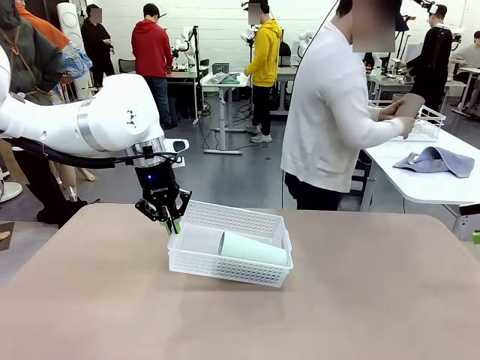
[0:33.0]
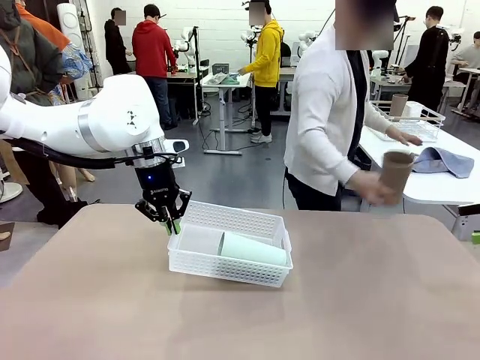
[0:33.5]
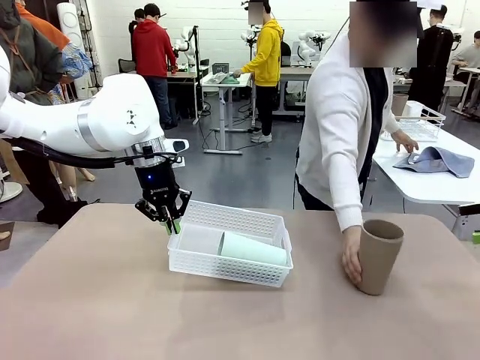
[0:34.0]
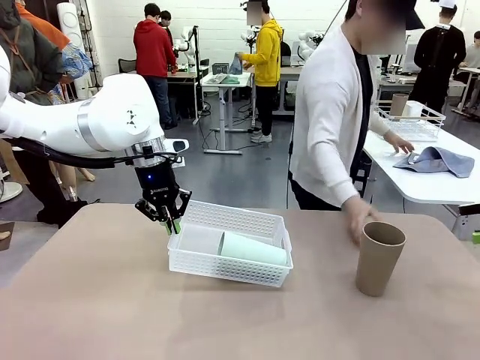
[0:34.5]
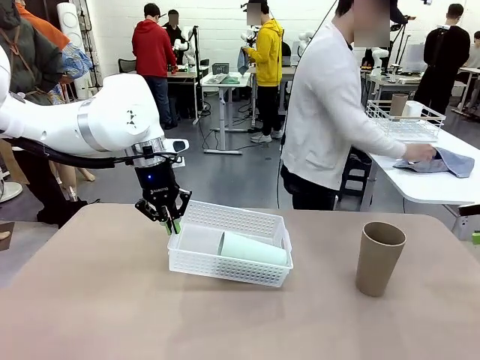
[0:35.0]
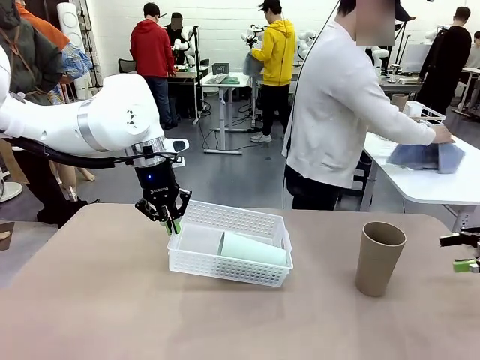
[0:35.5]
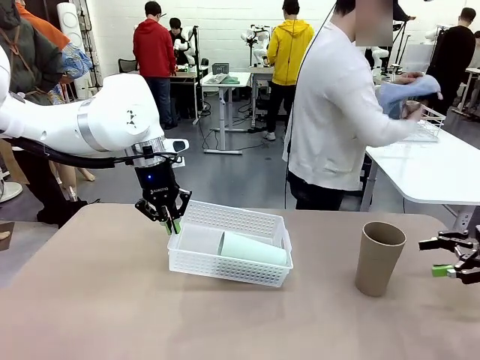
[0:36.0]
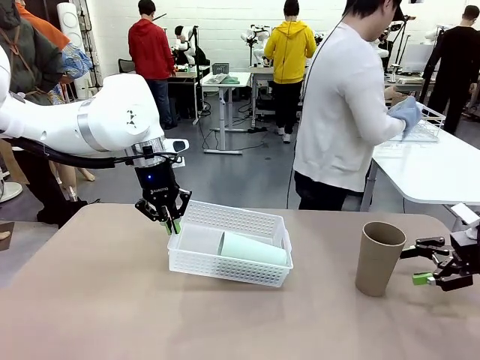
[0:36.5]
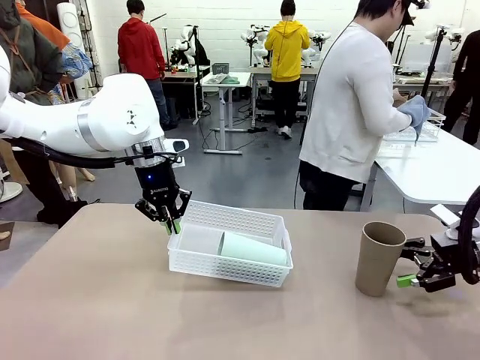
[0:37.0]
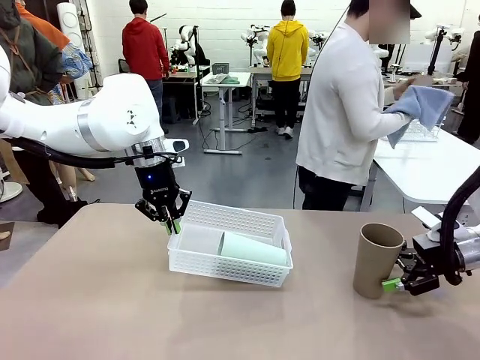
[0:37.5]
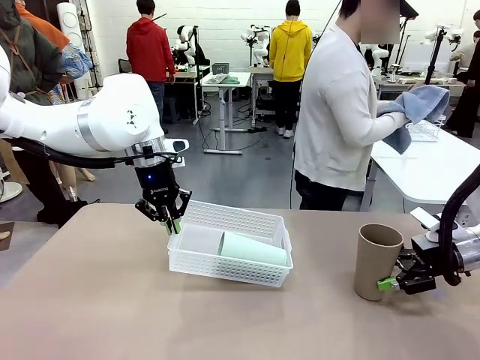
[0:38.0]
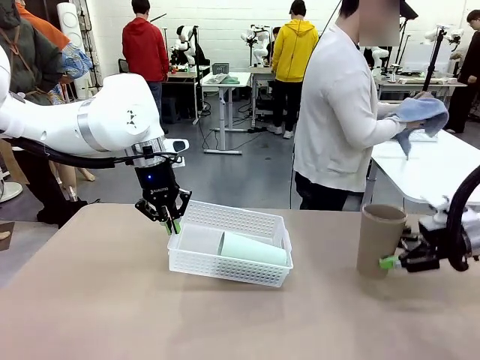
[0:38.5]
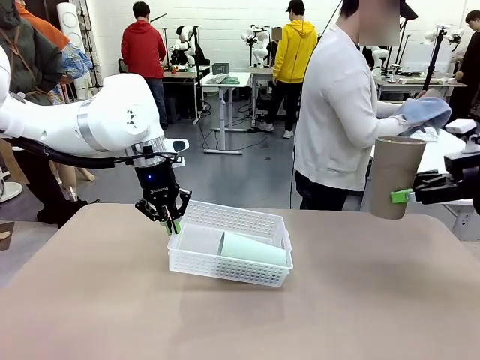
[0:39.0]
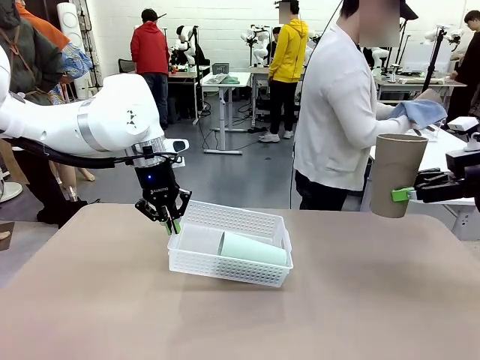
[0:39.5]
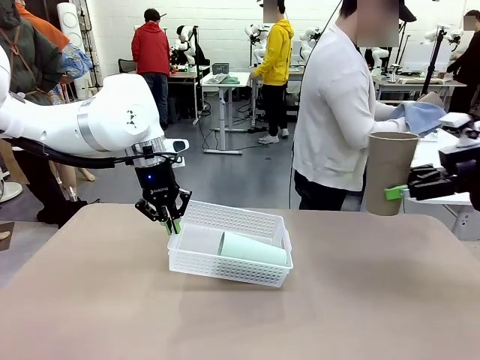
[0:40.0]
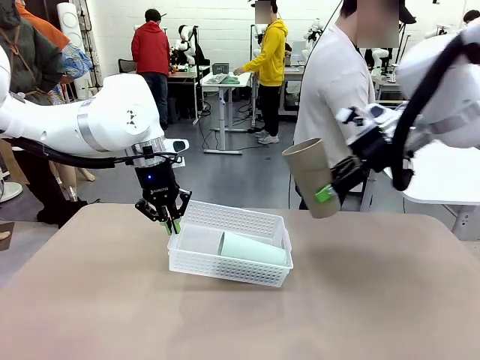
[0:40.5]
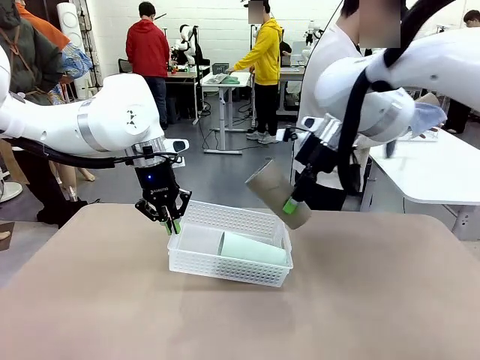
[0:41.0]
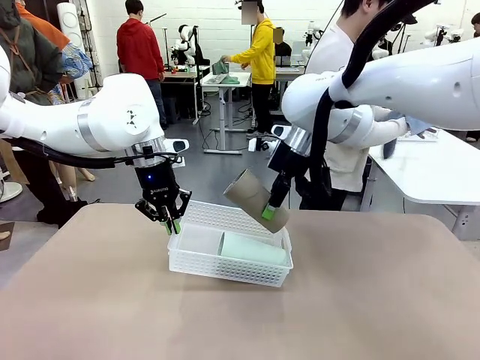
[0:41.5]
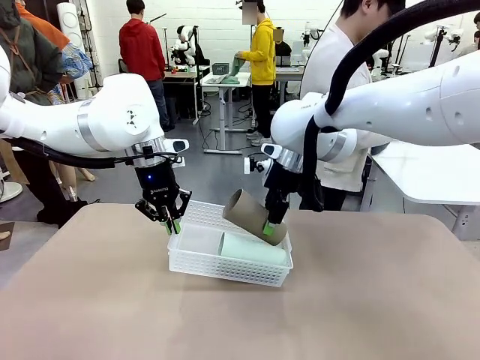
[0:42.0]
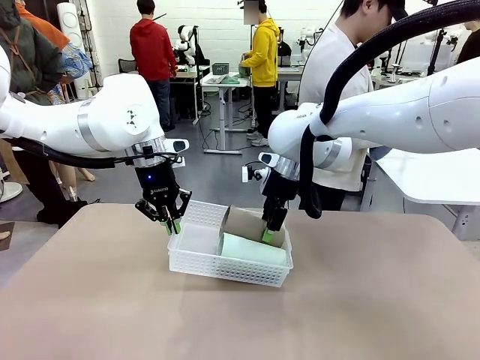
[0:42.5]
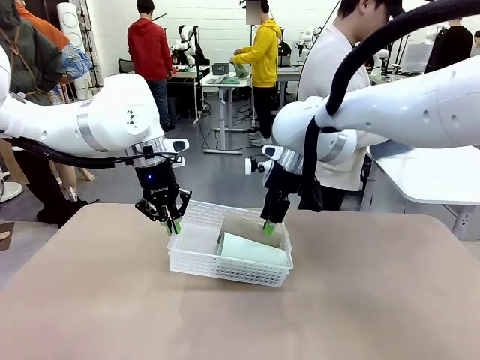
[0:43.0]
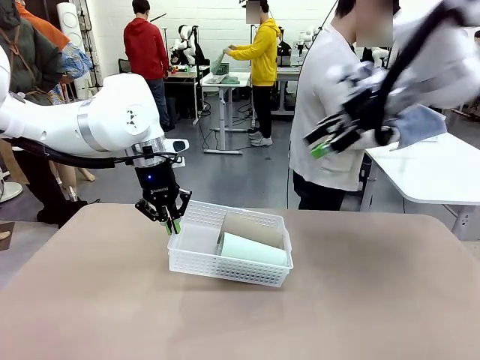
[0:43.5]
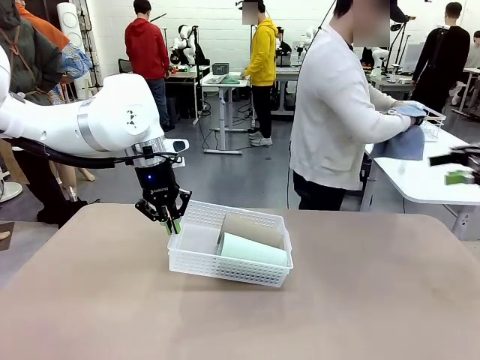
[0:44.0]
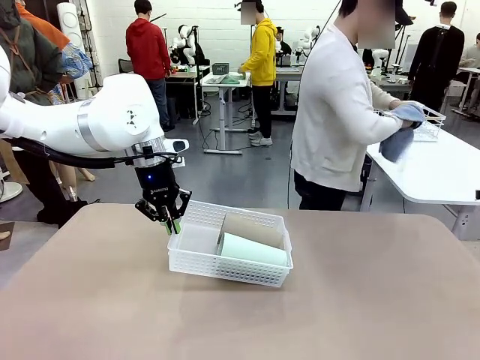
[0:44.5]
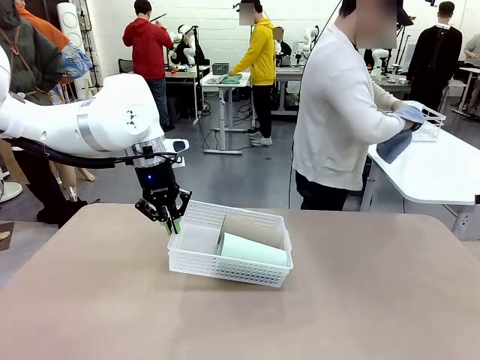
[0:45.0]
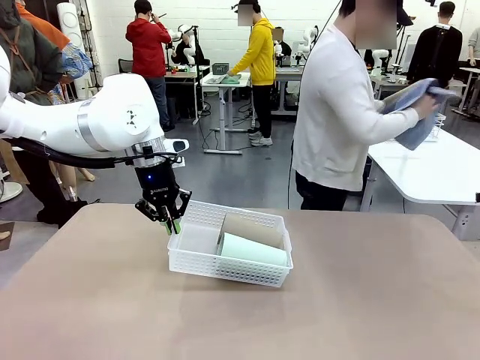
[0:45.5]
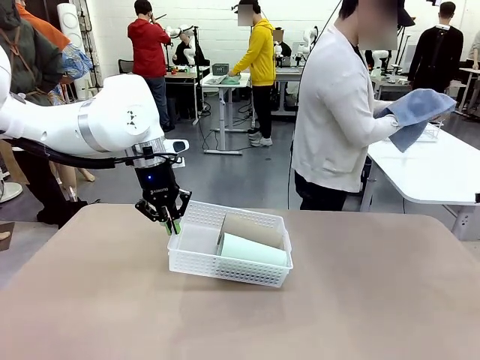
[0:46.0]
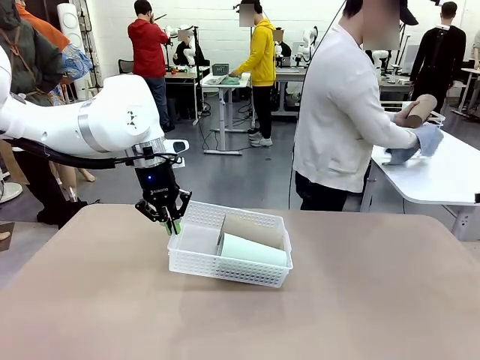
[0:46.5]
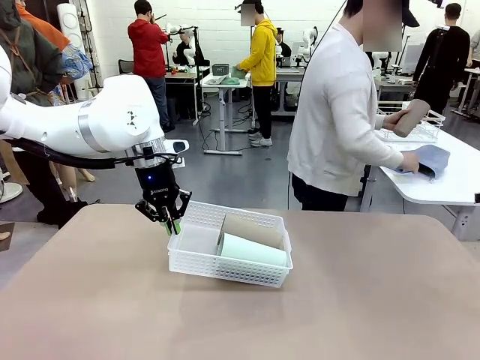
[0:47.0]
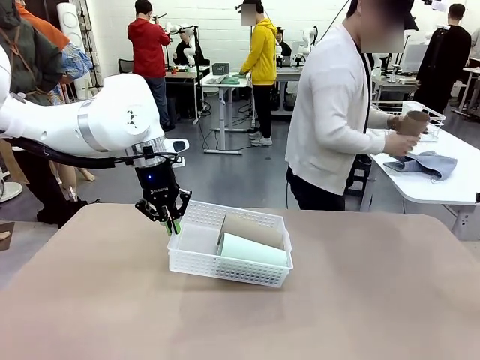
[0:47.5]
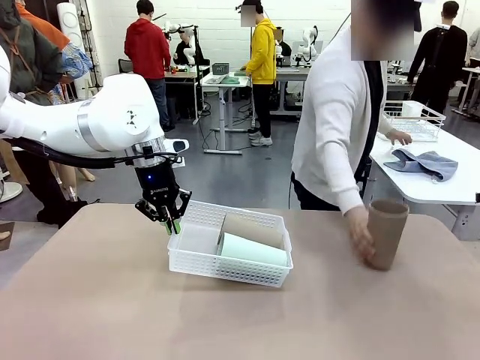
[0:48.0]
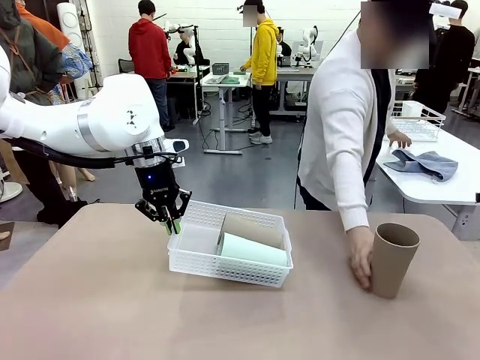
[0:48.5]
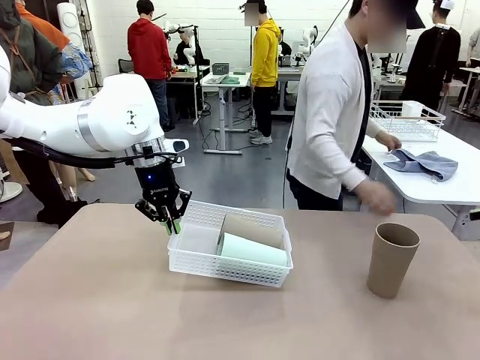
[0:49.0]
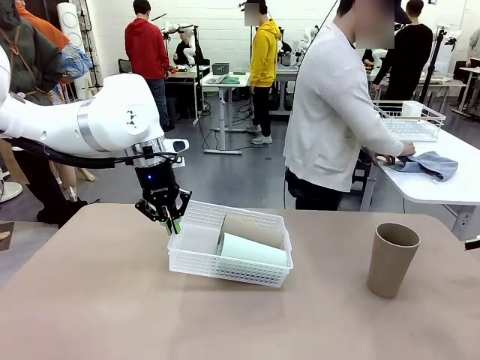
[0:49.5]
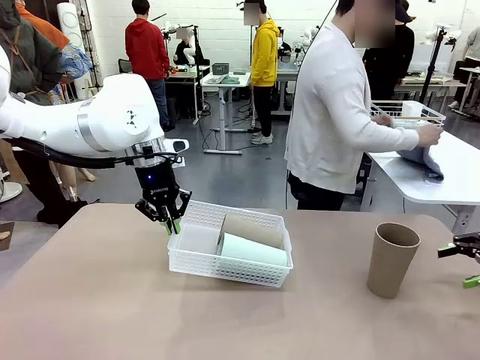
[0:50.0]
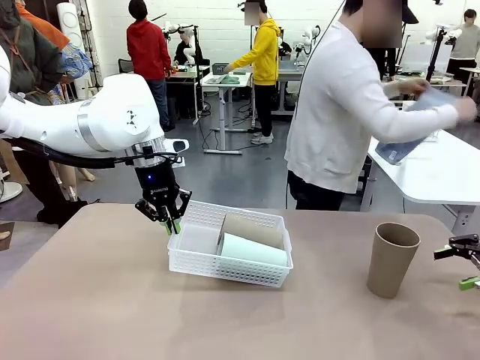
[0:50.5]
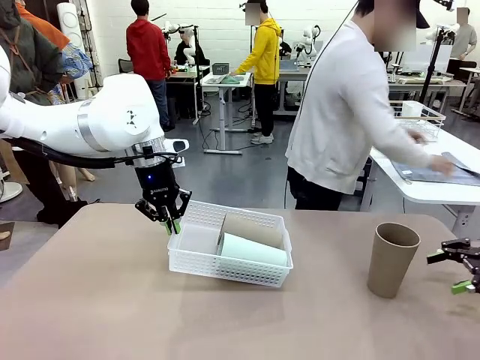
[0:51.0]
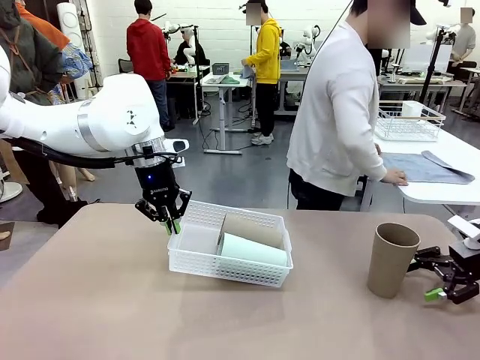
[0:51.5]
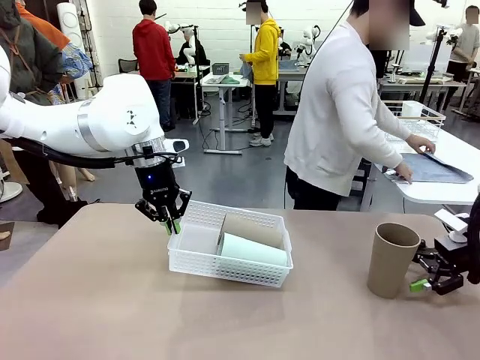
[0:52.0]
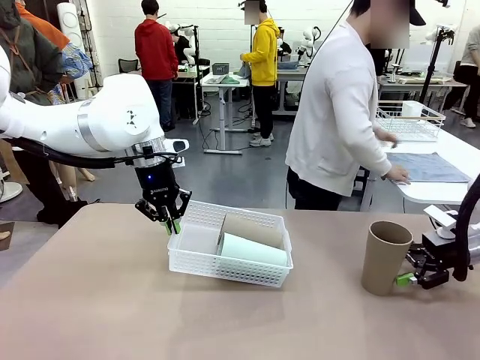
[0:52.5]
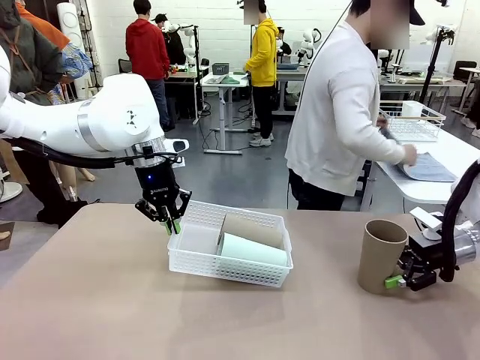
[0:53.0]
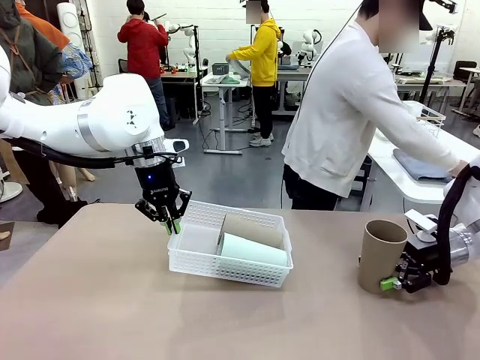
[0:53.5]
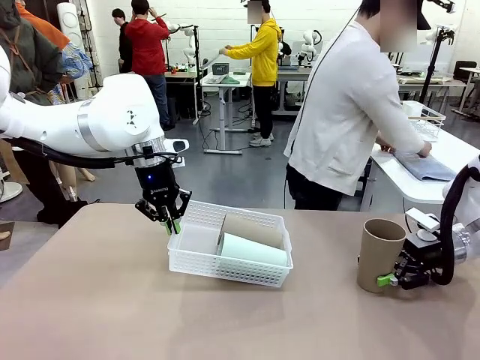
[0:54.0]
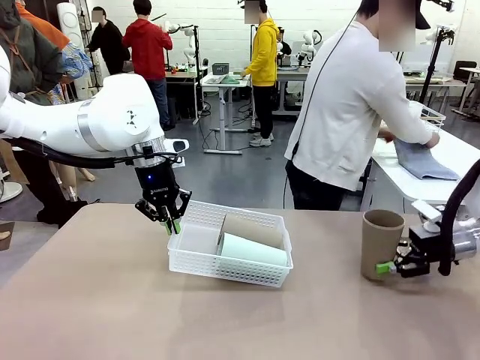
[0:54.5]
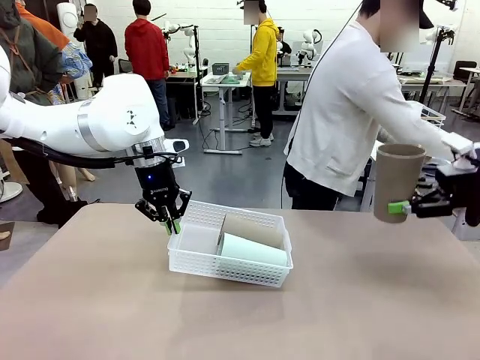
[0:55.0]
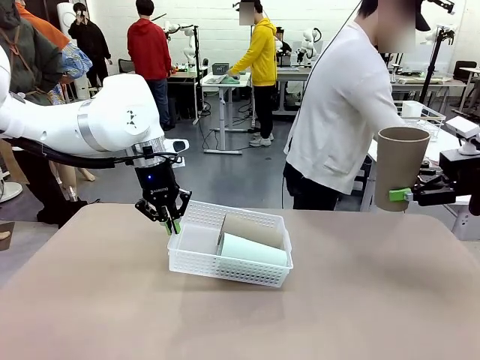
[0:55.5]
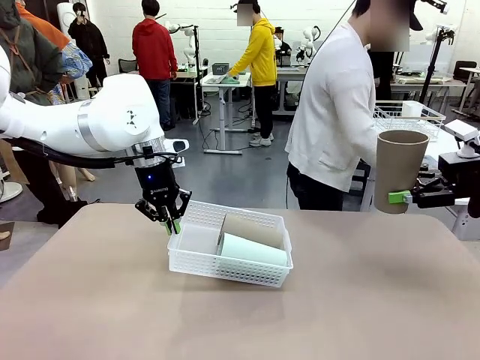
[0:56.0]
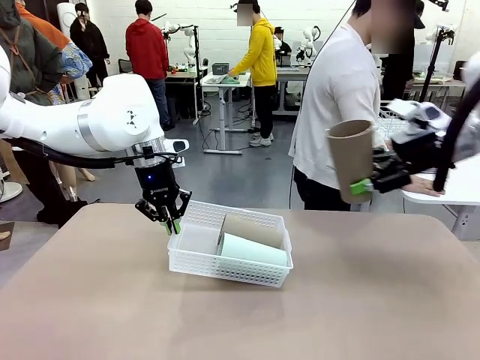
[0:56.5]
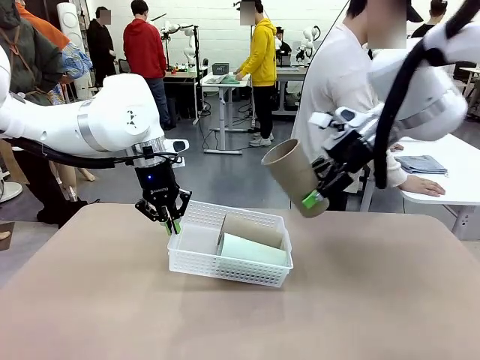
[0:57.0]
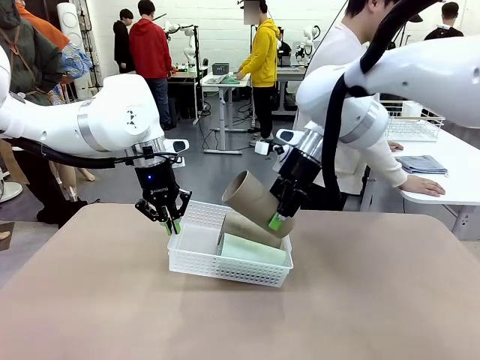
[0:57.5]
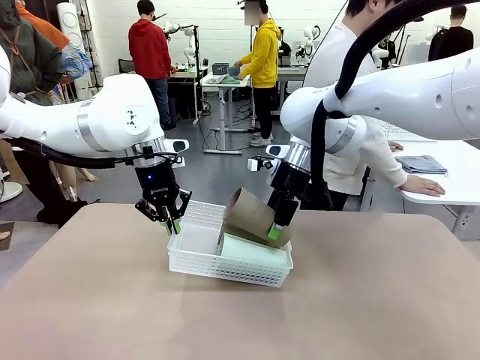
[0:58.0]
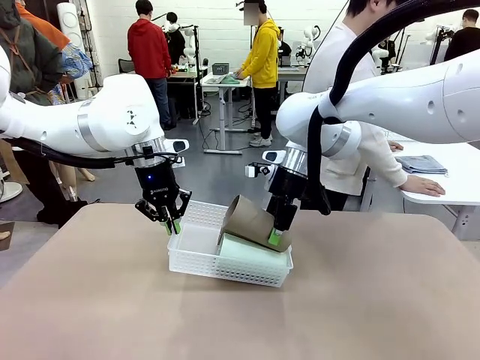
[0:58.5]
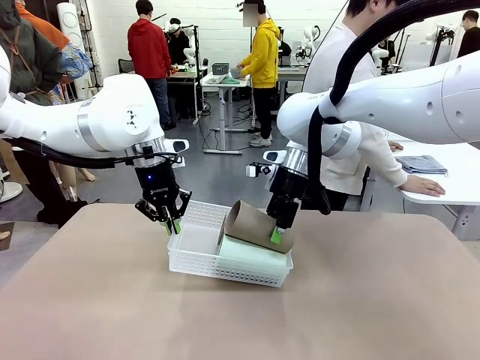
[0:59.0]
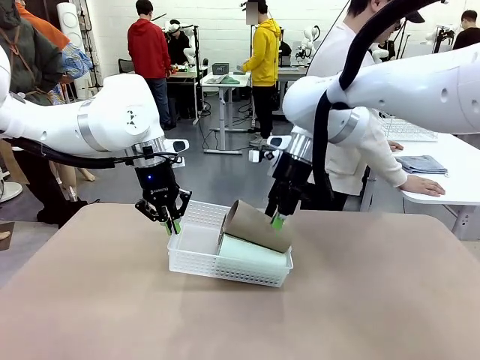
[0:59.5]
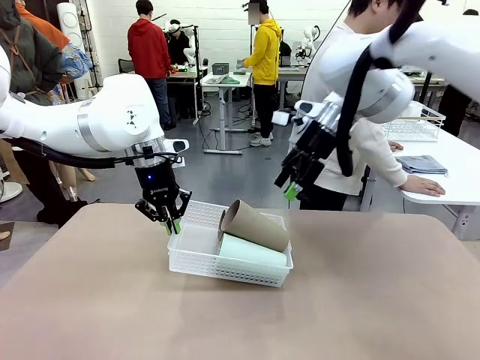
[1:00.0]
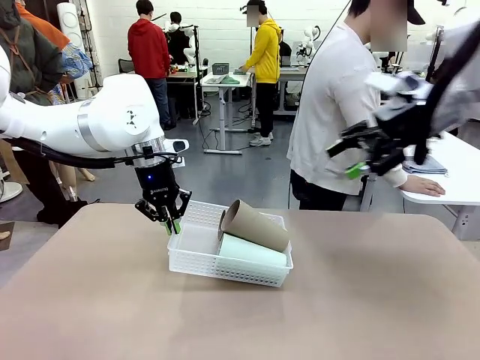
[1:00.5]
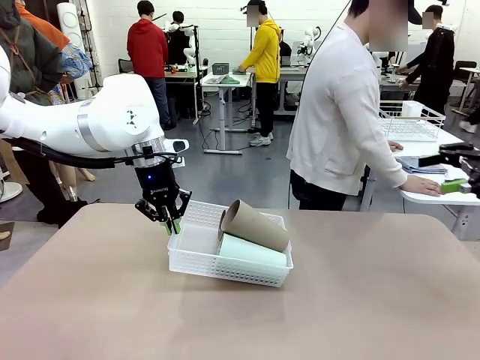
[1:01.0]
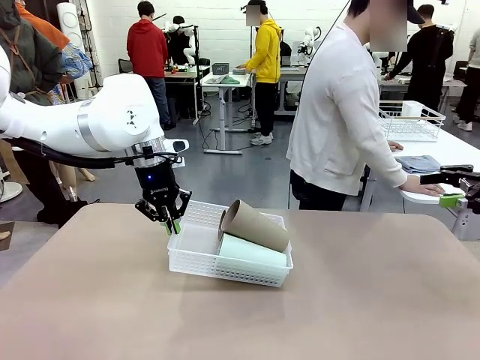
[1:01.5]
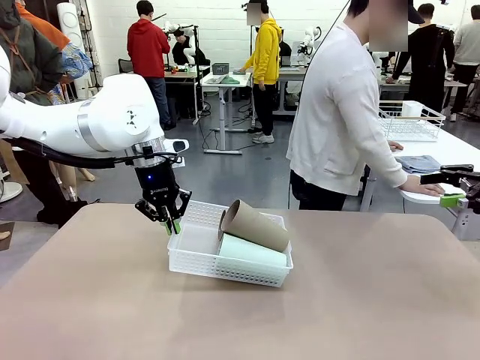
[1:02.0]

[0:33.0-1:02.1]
Task: Clean and organize the cups into the basket.
Robot: Pick up the Reusable plastic cup from the right side of the table and stack it inside the Organizing basket in the center of the table.
Person: Folds the towel in half twice and places it in the right of the table.
